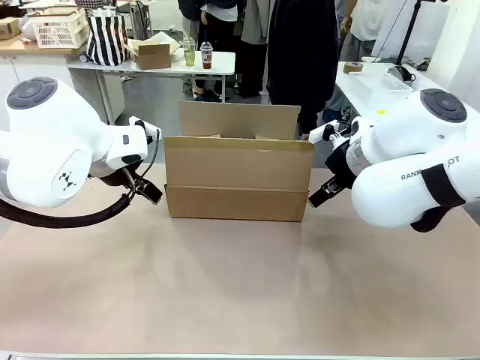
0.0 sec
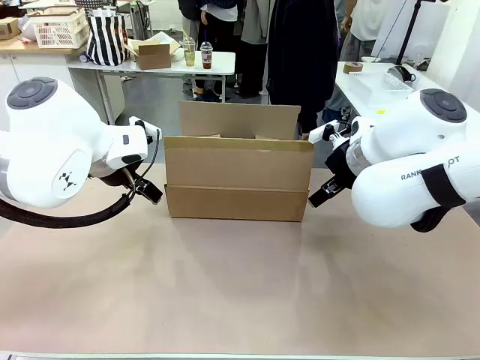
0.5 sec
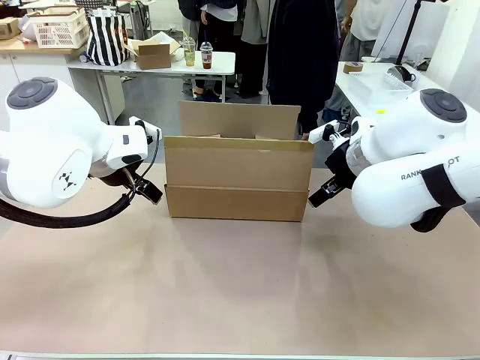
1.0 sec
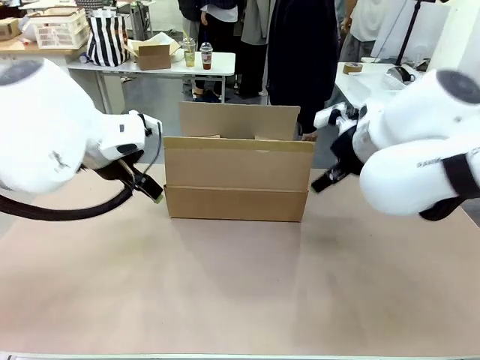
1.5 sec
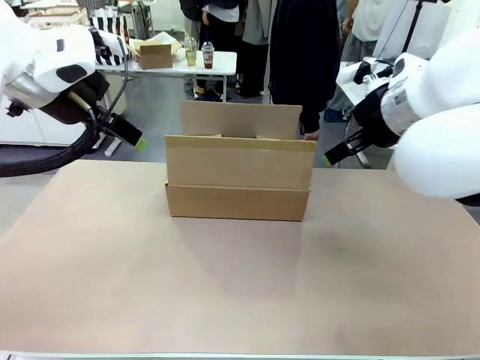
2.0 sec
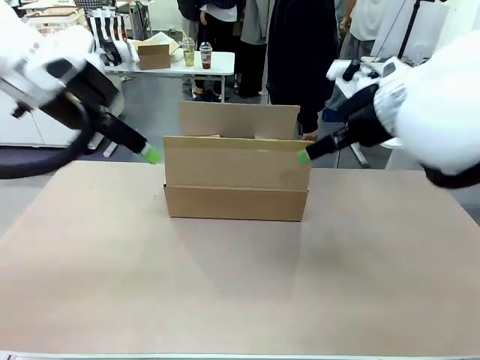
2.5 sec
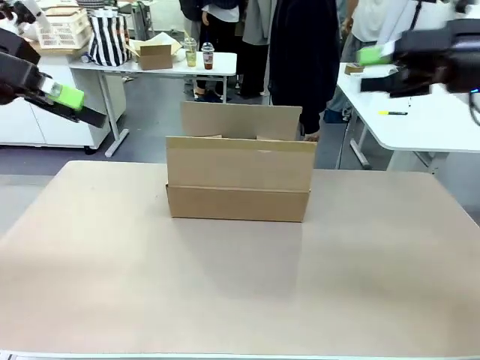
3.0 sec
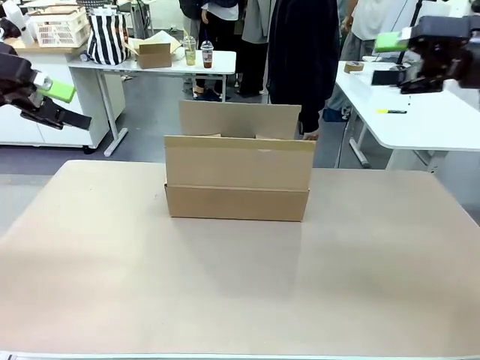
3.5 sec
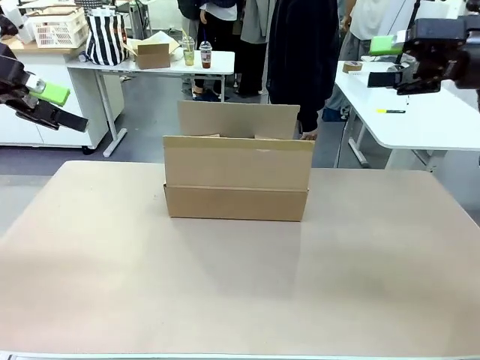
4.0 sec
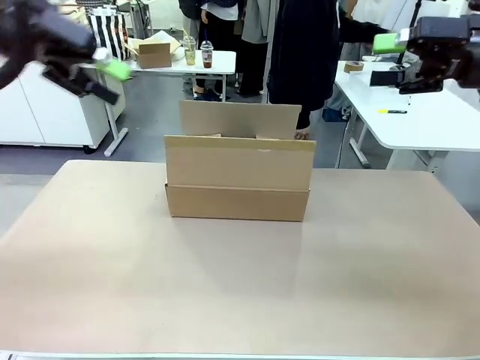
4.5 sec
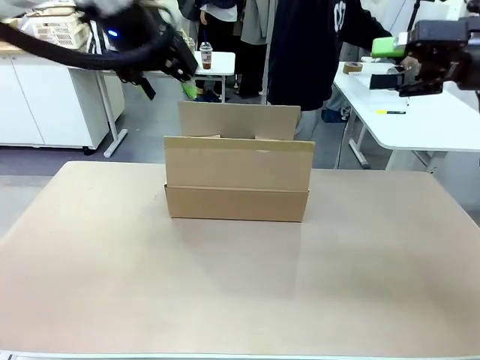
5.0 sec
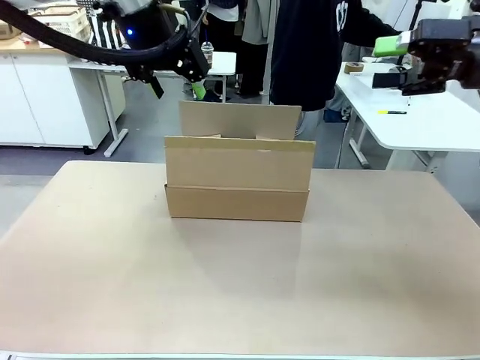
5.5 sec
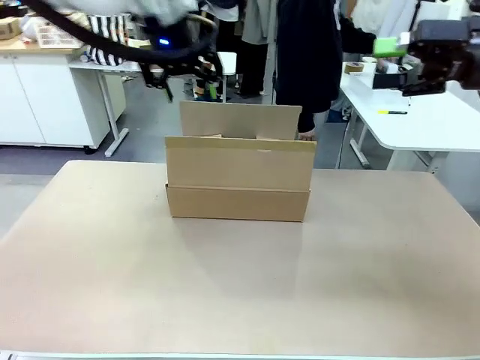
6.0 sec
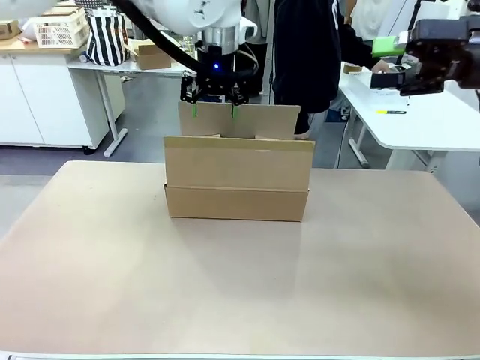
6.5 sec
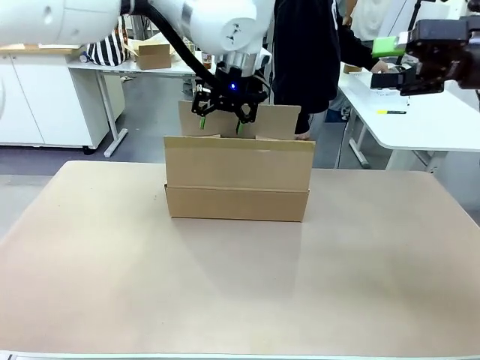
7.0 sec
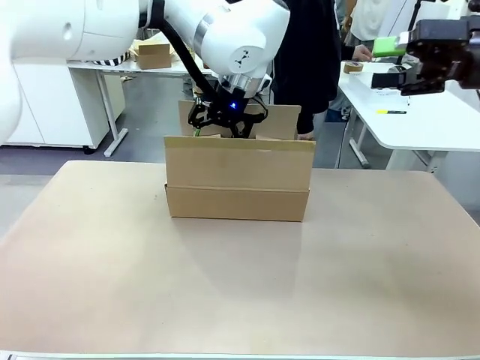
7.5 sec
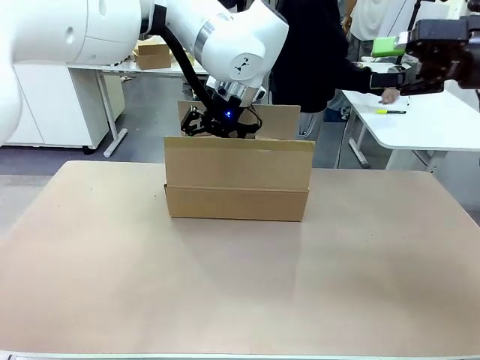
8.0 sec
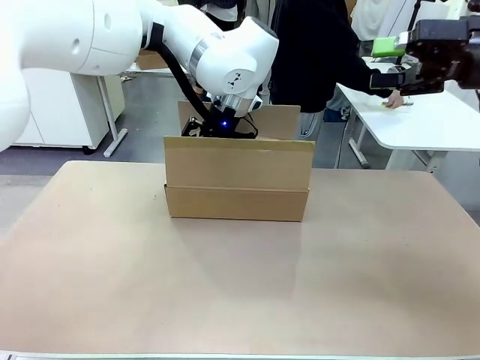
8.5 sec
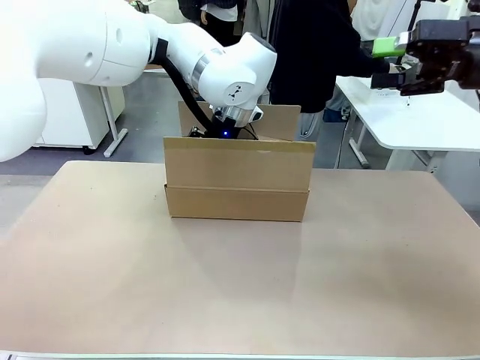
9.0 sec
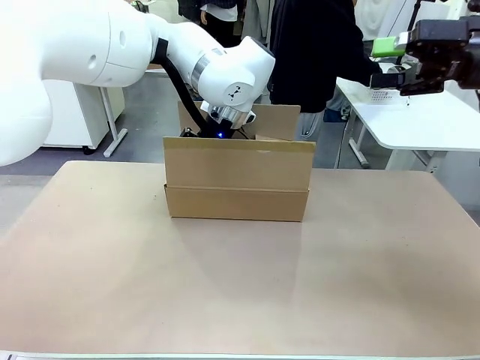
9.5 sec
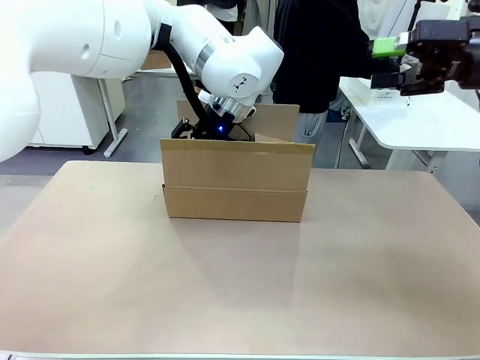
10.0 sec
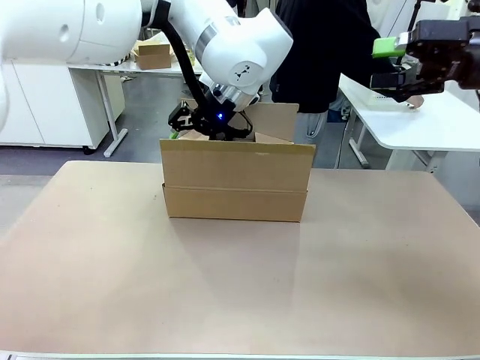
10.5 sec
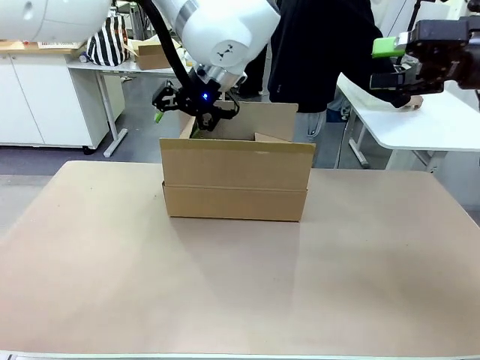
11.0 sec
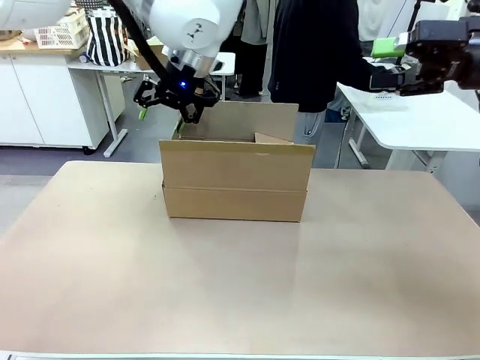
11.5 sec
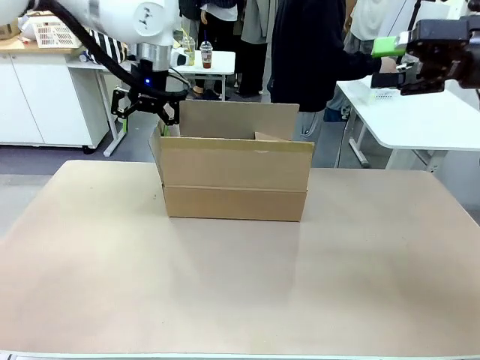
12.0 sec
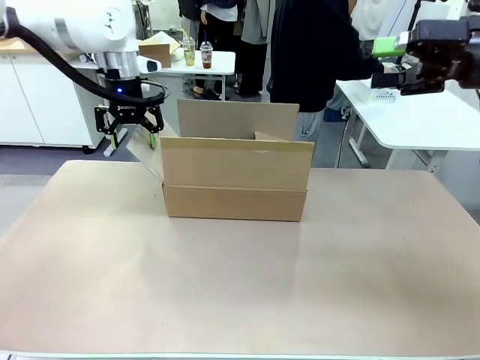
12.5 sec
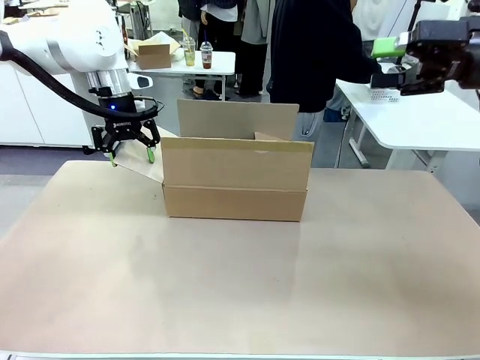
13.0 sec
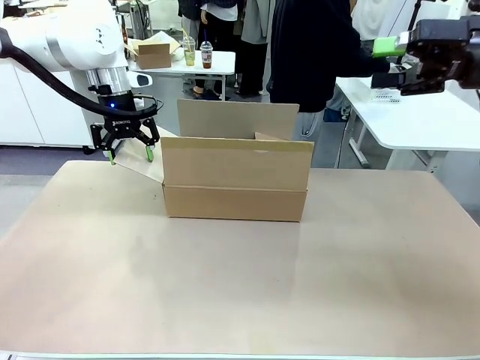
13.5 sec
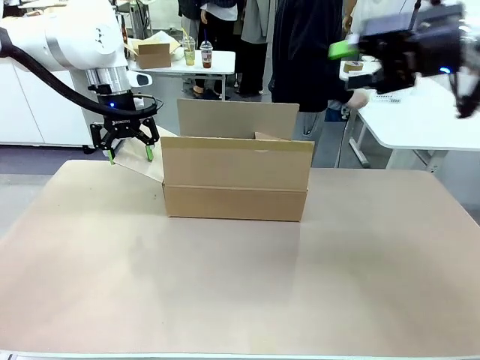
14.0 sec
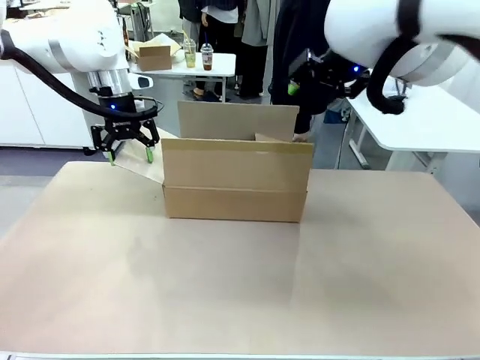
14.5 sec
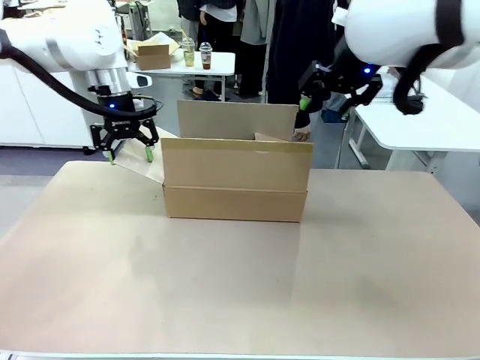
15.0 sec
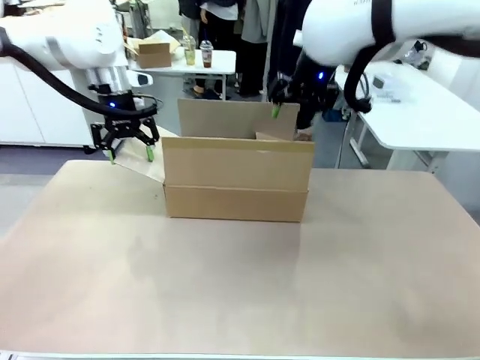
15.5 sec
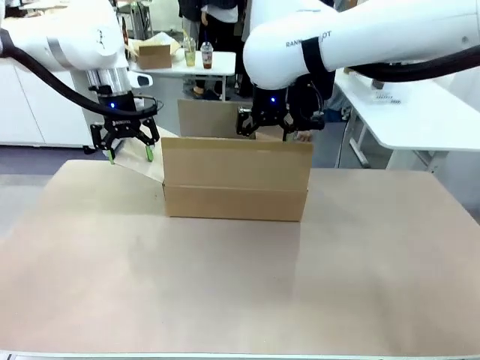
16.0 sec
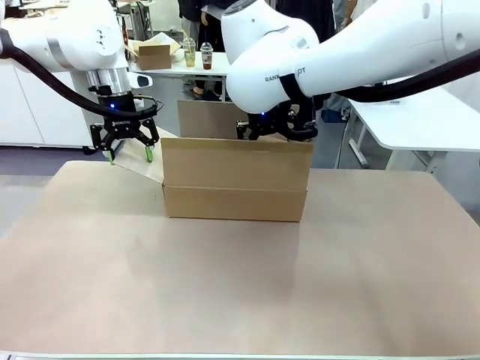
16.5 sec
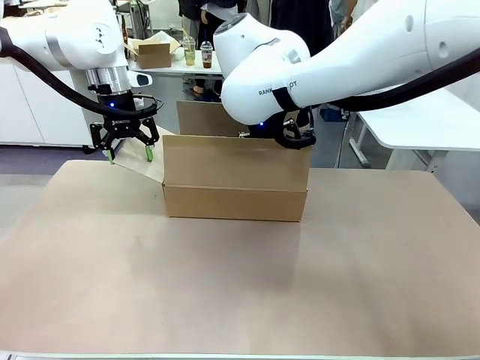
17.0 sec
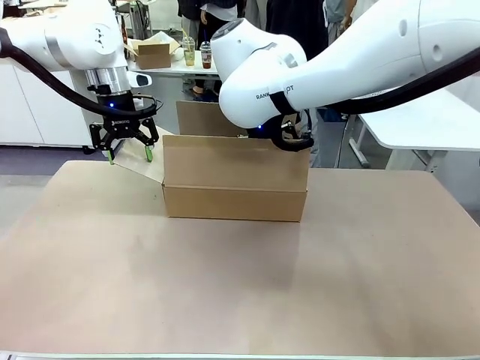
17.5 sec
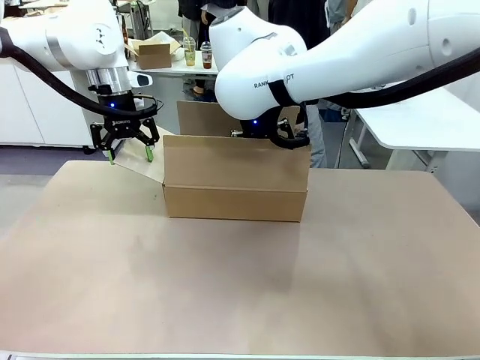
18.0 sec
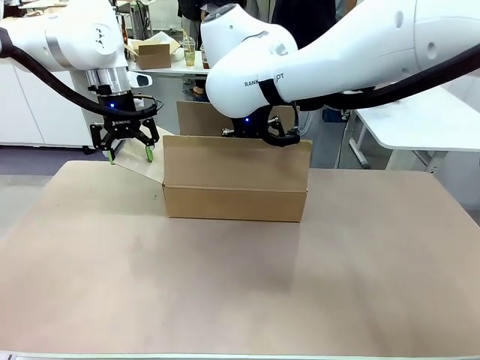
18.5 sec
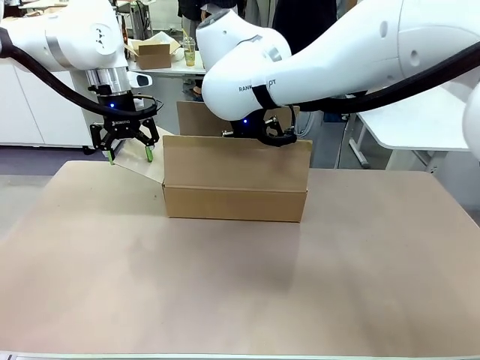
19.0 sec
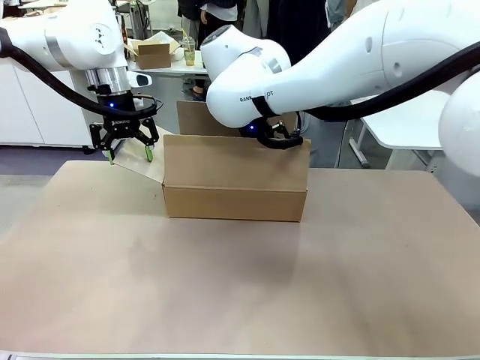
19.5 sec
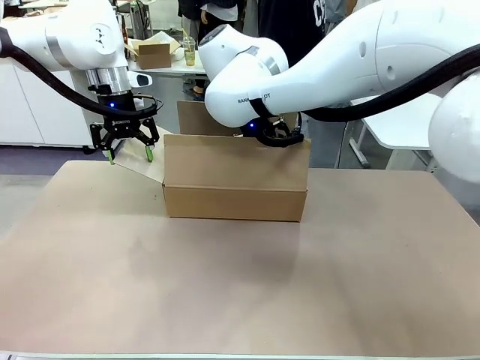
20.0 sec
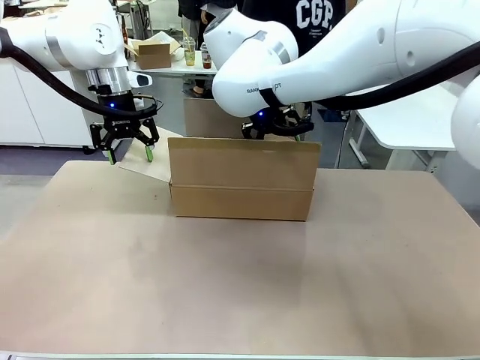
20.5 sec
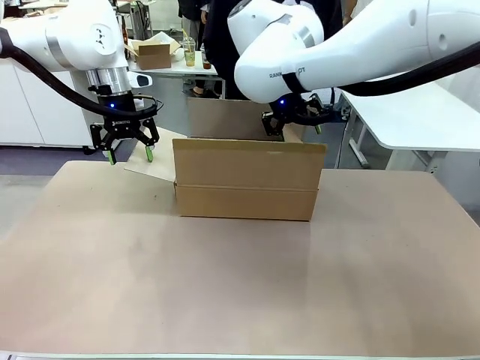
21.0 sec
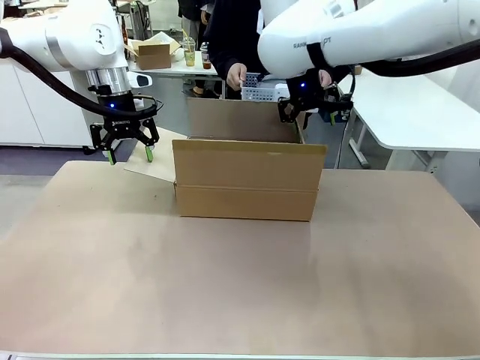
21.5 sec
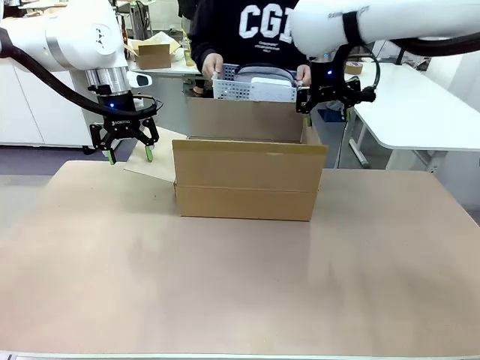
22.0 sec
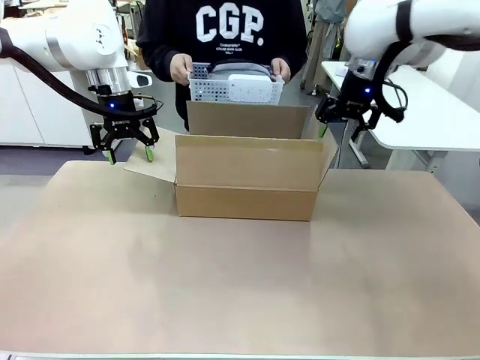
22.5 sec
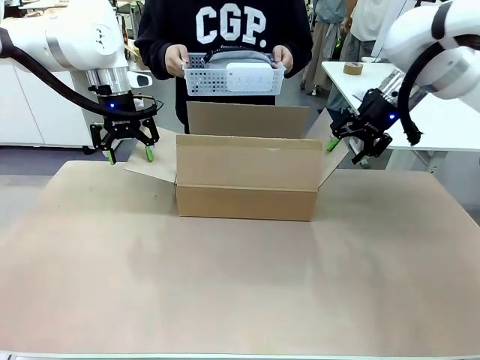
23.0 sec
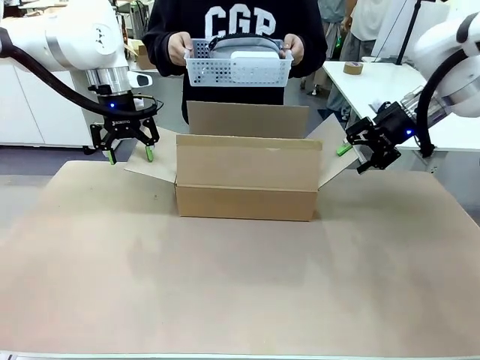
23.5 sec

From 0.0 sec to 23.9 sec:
Task: Pack the gift set into the box.
Robot: Place both hands on the side flaps of the Package Box and spread them outward.
Person: The human places all items except the paper tape into the organizing basket. The human picks up the organizing basket and places the organizing basket into the package box on the robot table.

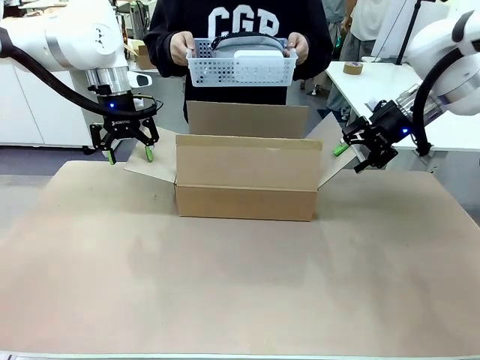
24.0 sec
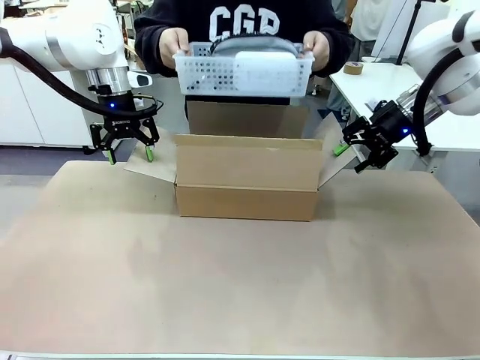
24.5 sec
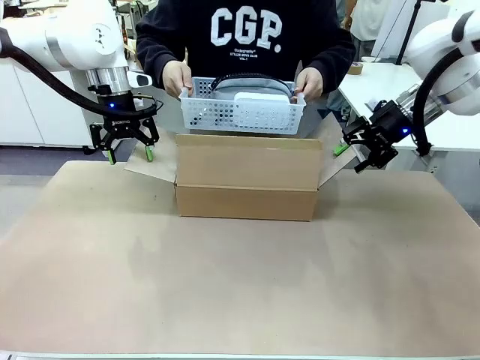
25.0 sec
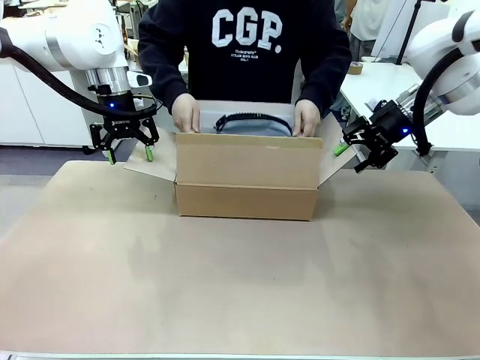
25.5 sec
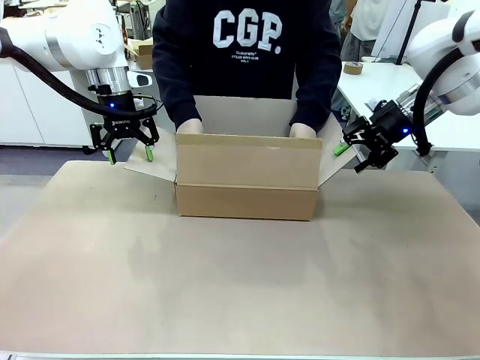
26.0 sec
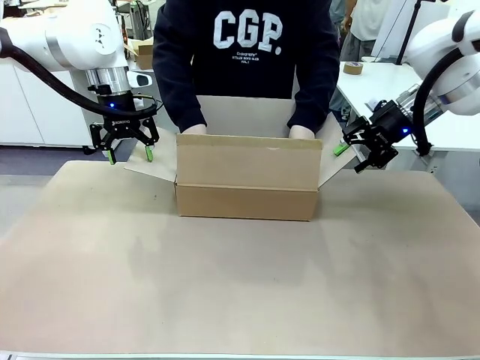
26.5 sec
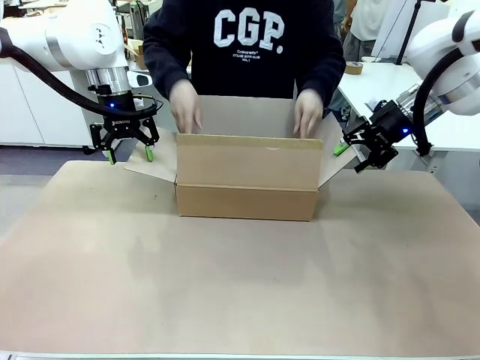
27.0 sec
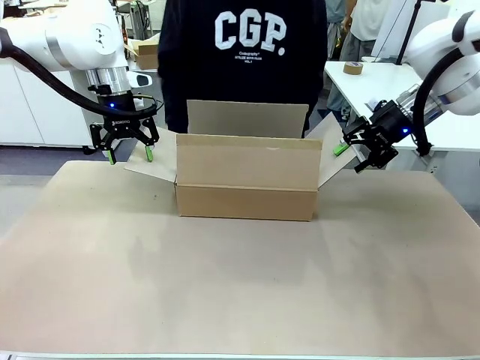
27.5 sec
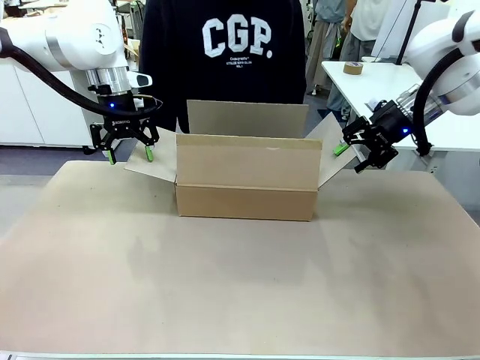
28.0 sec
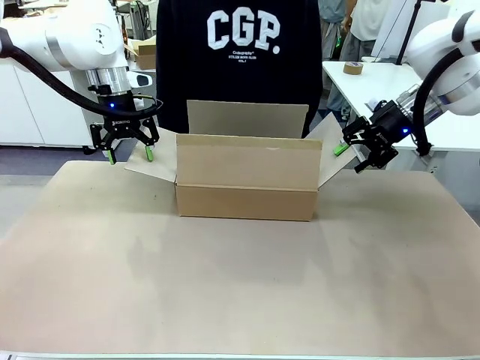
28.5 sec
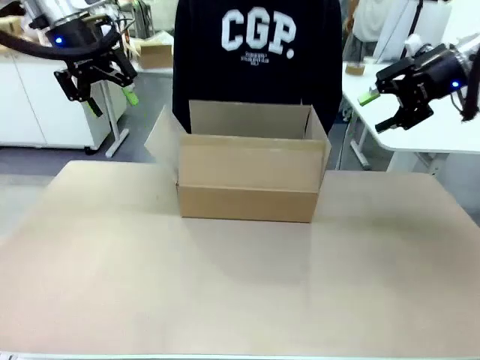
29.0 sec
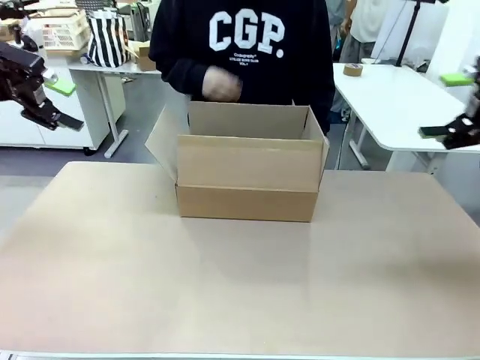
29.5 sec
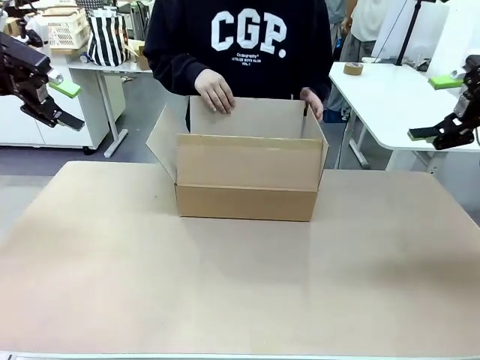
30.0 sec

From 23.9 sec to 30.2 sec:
Robot: Lift both hands away from the flaps of the Package Box.
